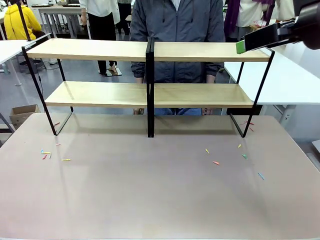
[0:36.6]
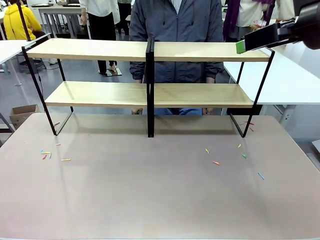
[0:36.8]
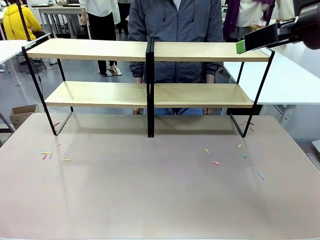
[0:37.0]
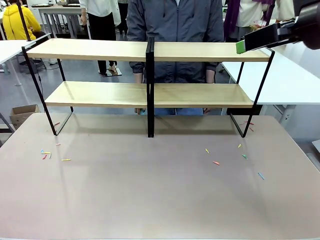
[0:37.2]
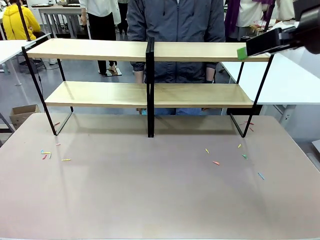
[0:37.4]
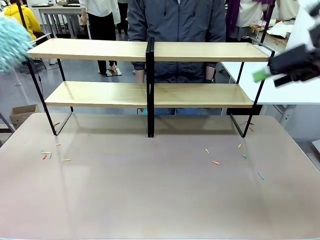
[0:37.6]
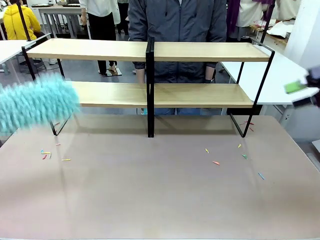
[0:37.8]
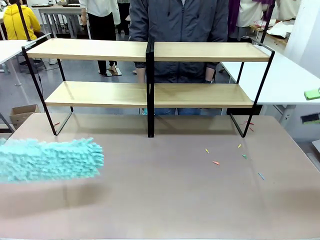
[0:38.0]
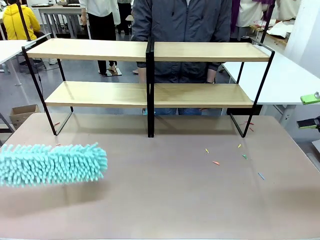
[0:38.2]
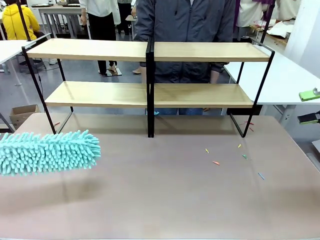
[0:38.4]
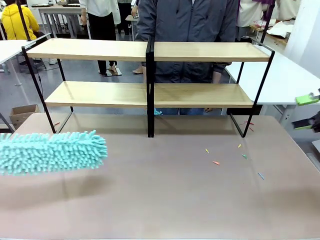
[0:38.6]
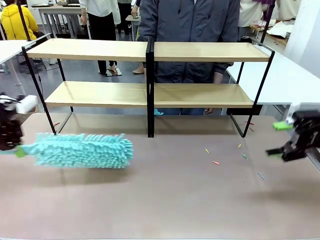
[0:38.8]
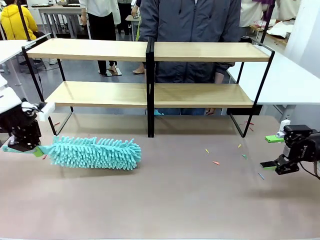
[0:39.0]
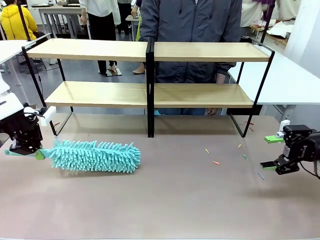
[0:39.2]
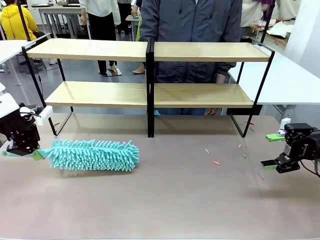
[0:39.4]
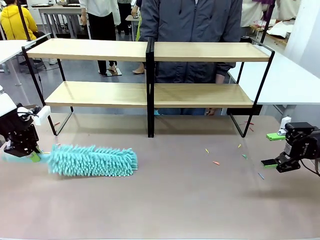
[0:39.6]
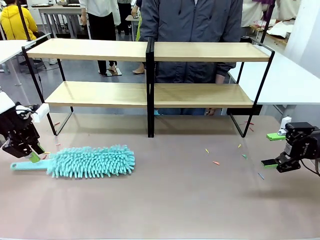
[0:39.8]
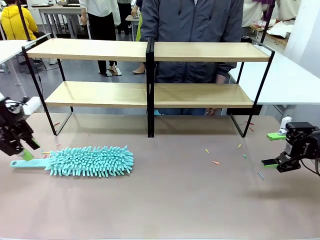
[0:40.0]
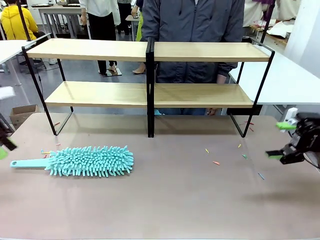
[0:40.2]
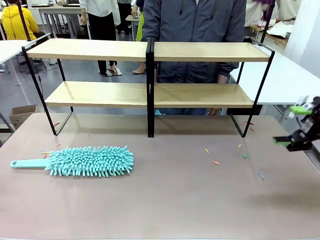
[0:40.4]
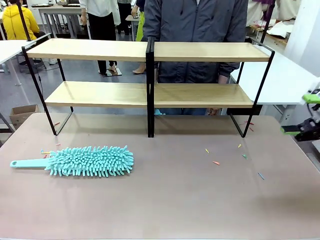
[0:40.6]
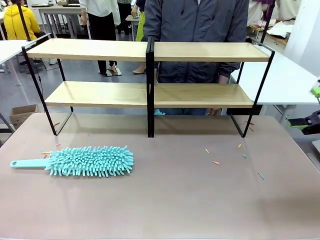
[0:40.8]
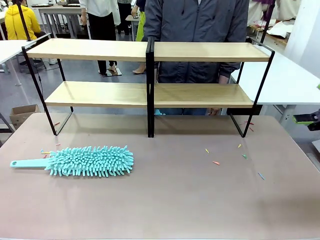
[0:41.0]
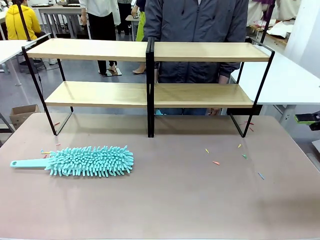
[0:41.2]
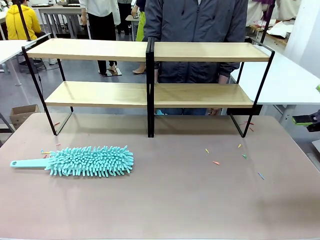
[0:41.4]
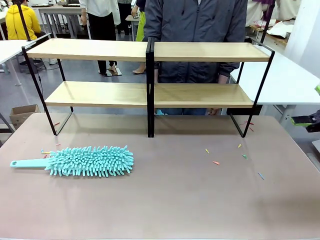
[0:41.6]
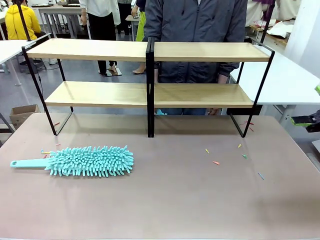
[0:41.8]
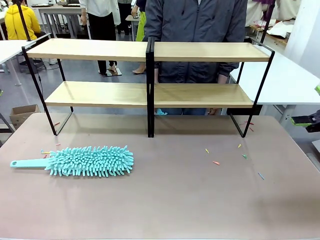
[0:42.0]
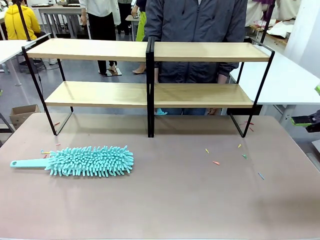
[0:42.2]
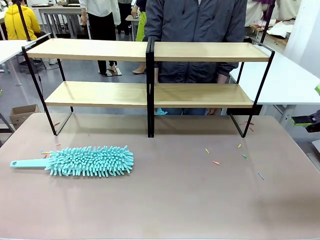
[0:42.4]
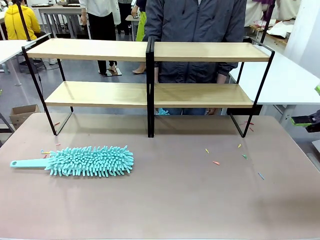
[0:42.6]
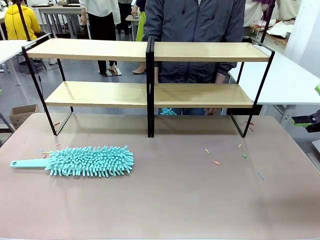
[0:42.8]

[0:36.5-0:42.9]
Task: Clean the shelves.
Robot: Place the Duster on the table.

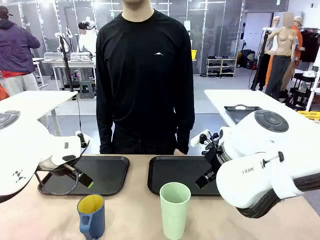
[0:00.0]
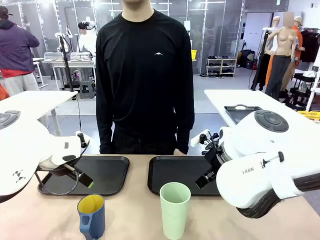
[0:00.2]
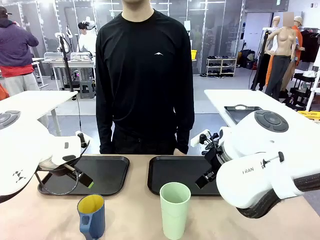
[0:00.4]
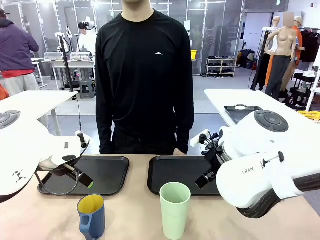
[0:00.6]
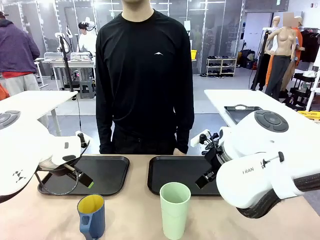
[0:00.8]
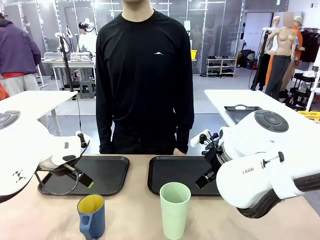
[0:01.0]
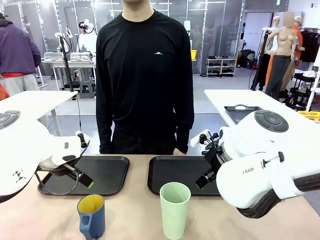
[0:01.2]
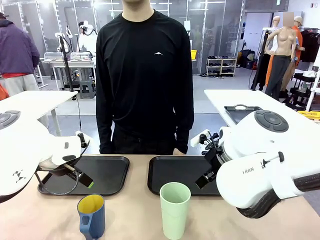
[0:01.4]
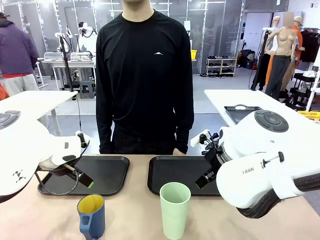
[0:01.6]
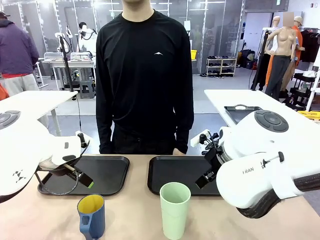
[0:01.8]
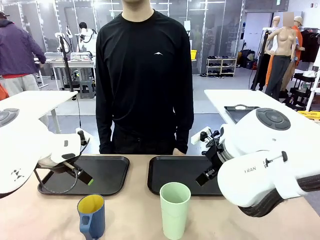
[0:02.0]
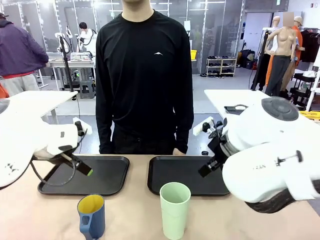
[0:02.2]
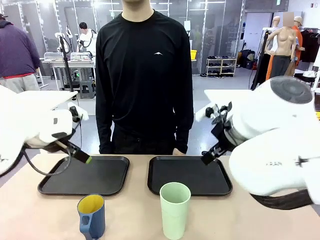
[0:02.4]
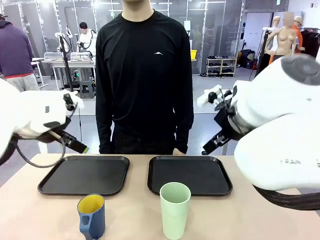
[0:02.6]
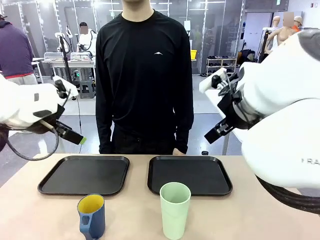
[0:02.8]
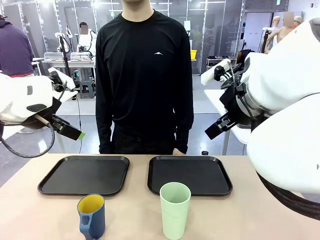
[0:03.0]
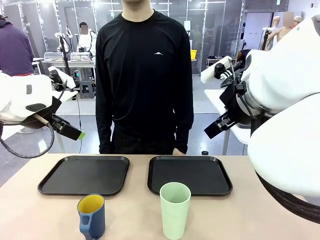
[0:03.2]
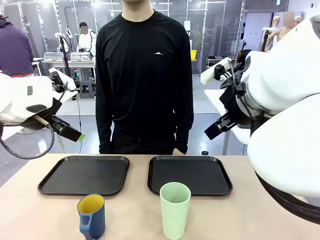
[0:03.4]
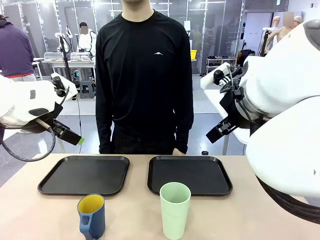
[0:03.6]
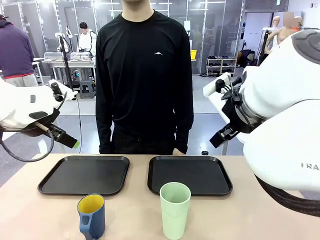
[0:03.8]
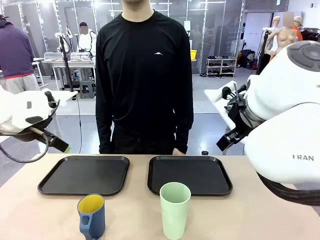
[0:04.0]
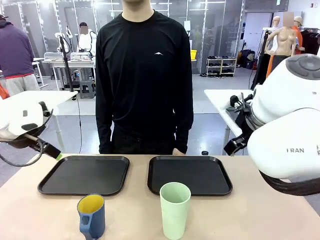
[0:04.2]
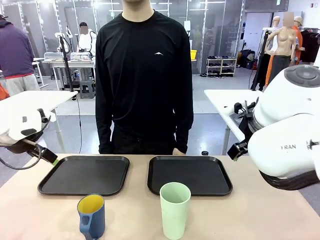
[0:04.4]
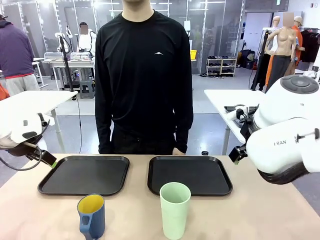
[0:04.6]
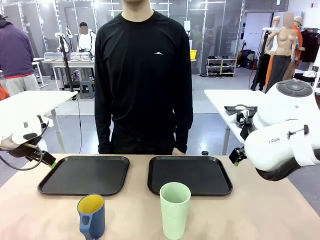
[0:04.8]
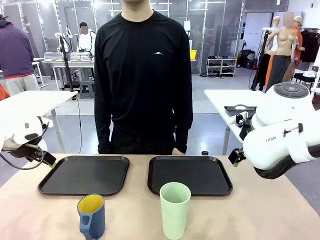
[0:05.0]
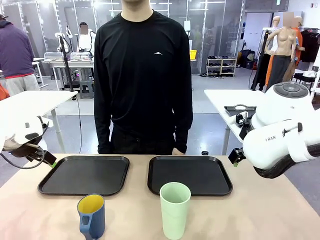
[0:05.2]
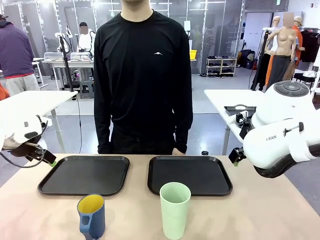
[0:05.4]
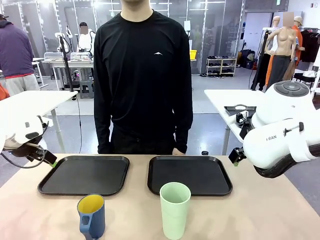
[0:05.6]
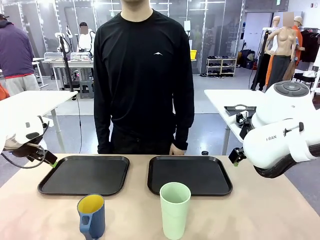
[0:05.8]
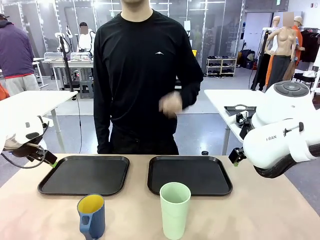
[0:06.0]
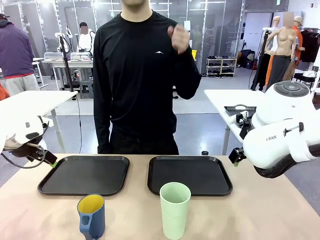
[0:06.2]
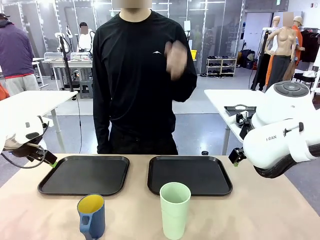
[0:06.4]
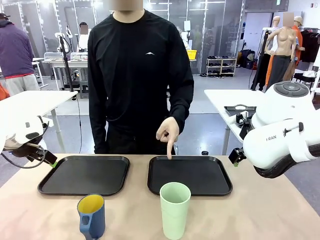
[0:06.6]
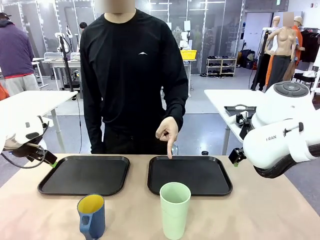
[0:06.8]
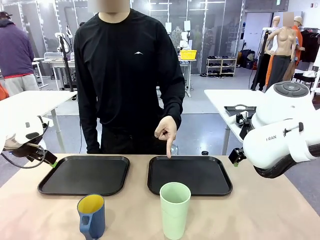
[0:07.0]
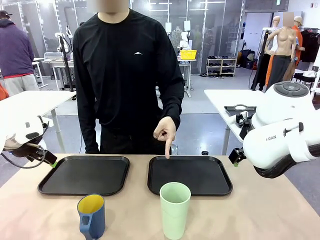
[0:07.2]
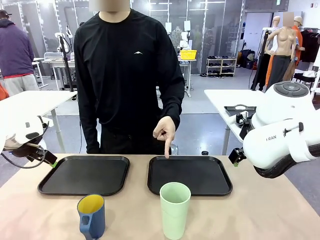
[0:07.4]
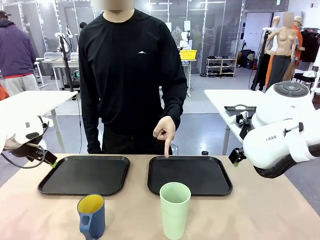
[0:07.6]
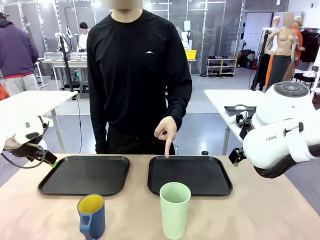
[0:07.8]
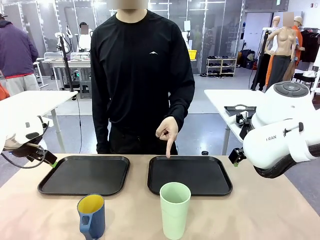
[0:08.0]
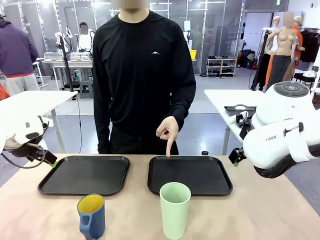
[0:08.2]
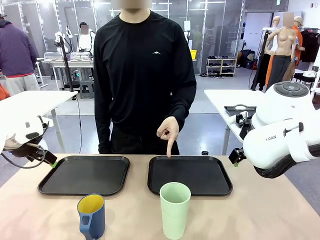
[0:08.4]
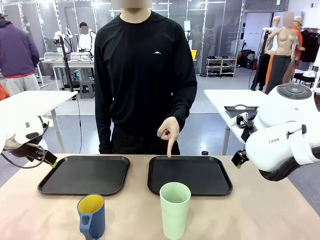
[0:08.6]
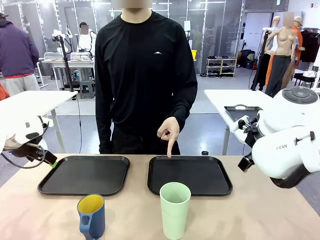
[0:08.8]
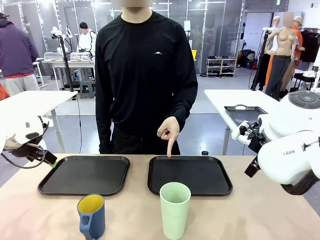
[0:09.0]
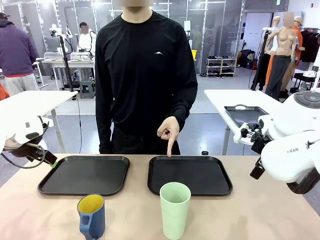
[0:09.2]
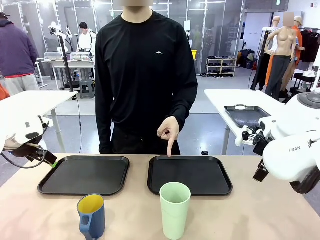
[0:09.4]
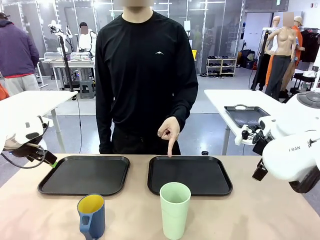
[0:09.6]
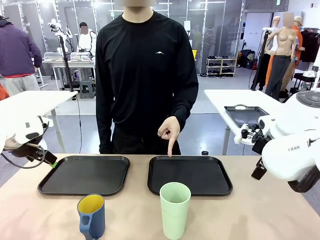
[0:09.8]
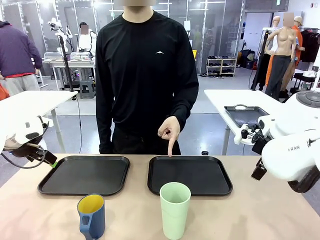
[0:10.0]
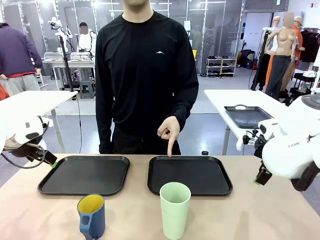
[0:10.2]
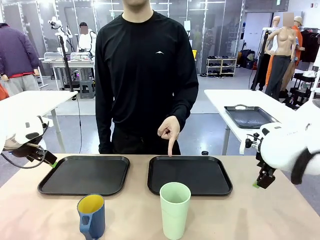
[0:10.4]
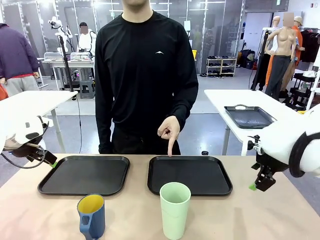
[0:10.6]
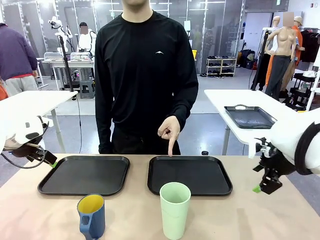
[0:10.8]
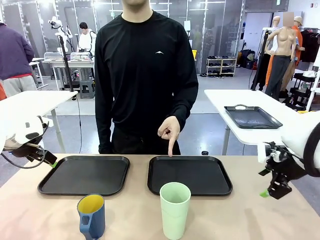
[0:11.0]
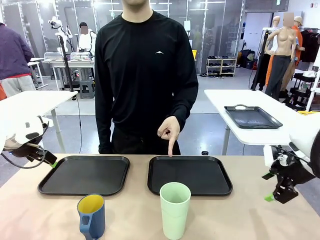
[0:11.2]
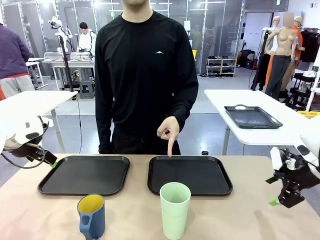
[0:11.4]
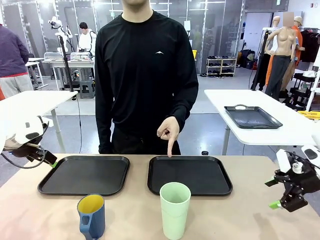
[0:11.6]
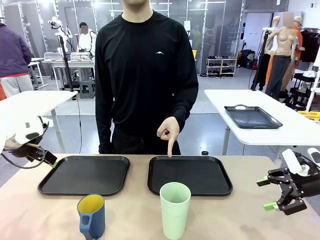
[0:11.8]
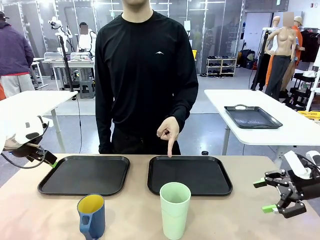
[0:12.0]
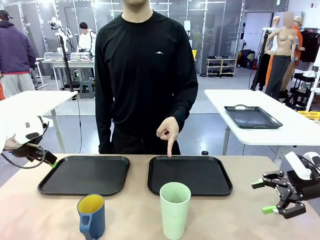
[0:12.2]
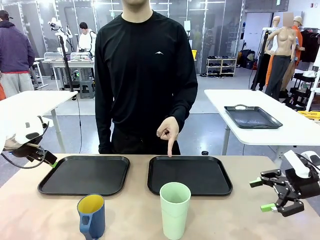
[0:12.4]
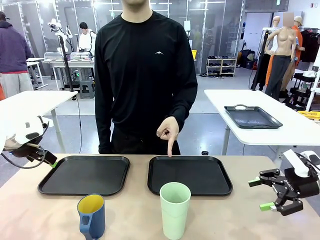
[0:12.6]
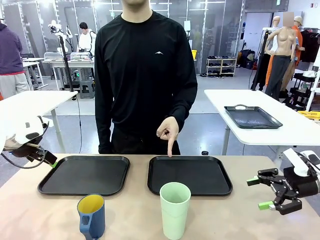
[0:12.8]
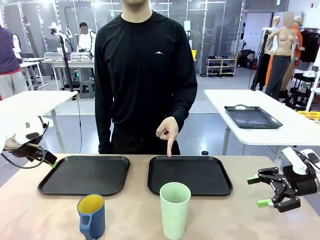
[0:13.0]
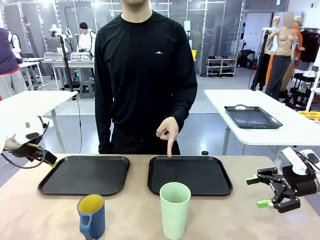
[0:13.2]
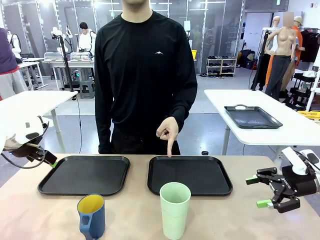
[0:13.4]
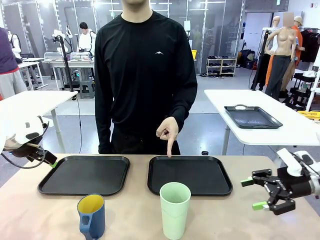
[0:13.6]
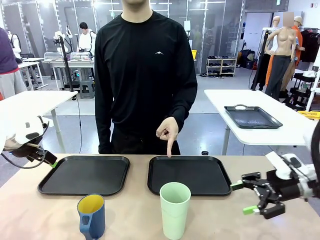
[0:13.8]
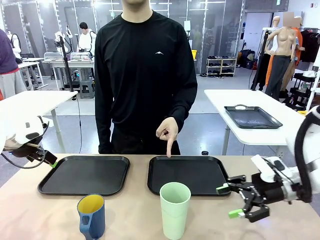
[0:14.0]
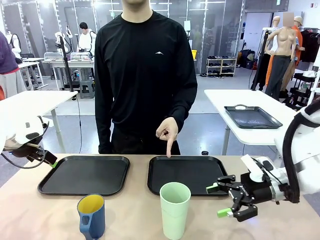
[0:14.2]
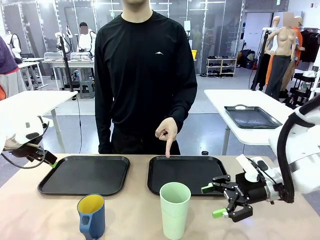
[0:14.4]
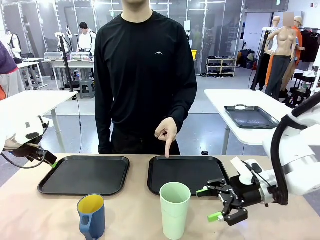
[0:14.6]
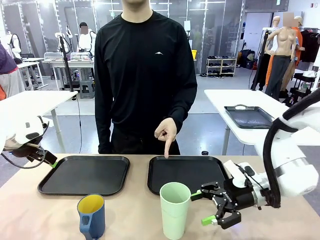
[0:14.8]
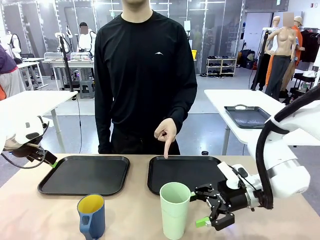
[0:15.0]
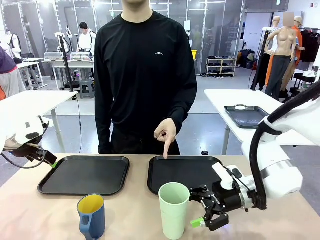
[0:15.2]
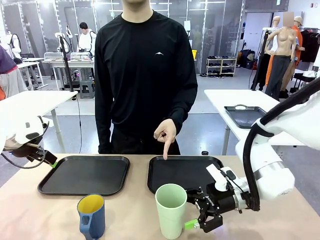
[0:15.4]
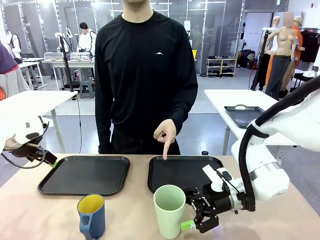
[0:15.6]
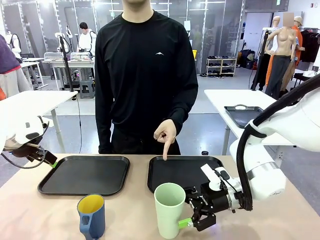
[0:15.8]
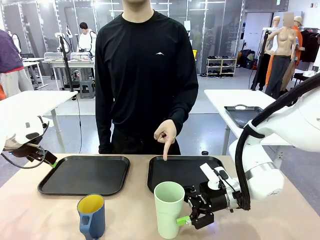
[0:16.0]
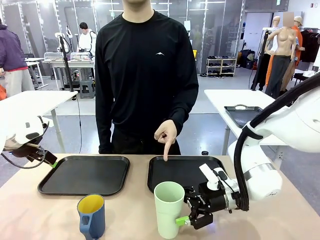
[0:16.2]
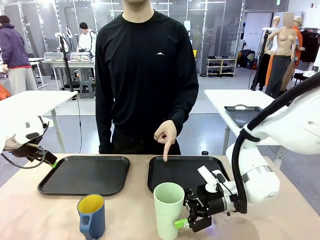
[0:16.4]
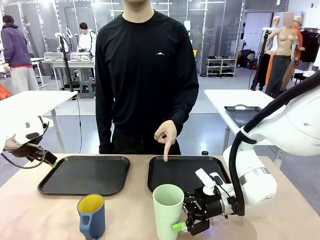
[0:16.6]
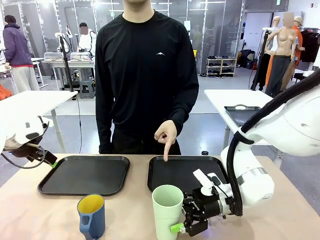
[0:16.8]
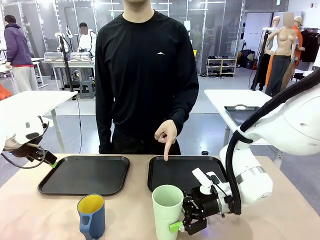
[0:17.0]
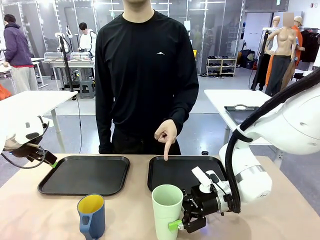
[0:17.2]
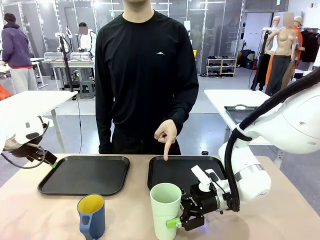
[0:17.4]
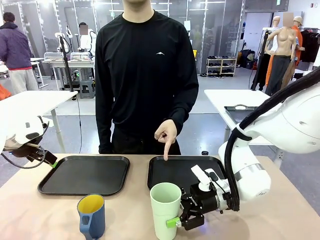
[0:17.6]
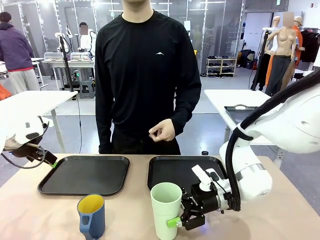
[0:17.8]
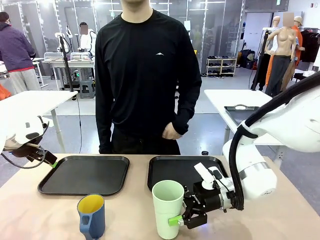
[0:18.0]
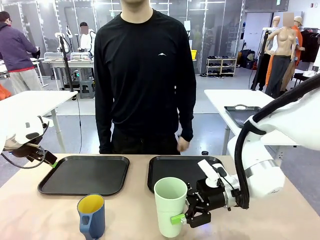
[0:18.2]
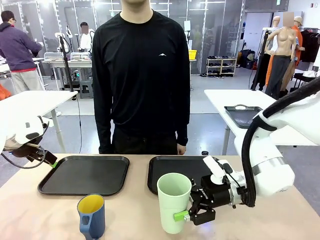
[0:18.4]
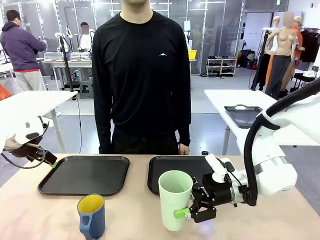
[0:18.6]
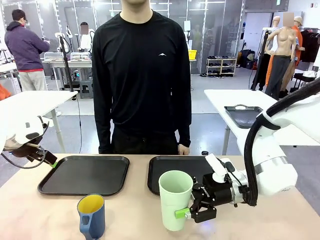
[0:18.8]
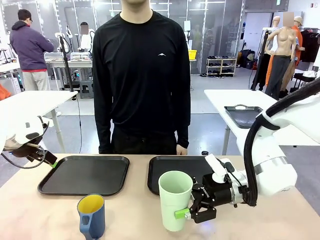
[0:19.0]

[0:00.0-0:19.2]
Task: Sort and store the cups by type.
Robot: Pick up the Reusable plastic cup.
Person: Points to the reusable cup. Point to one of the two trays.
